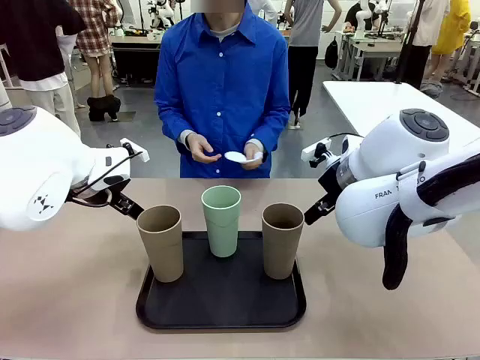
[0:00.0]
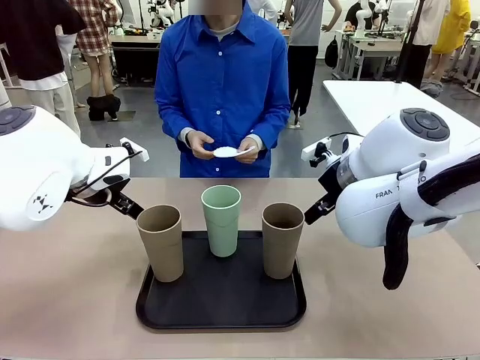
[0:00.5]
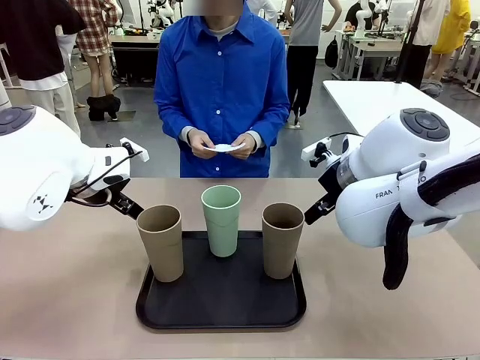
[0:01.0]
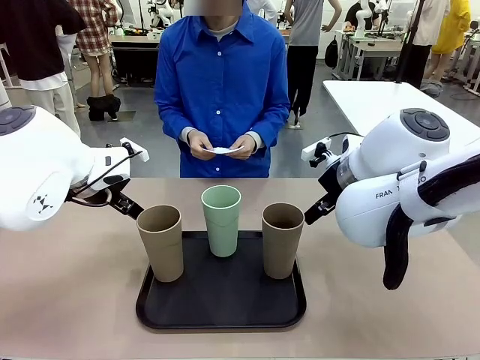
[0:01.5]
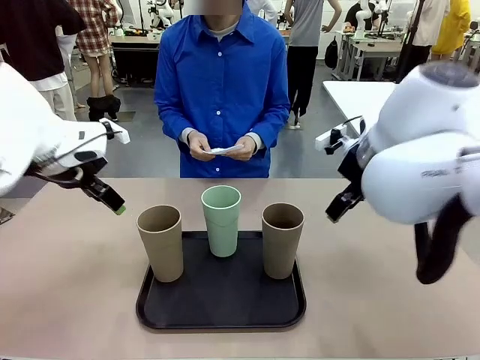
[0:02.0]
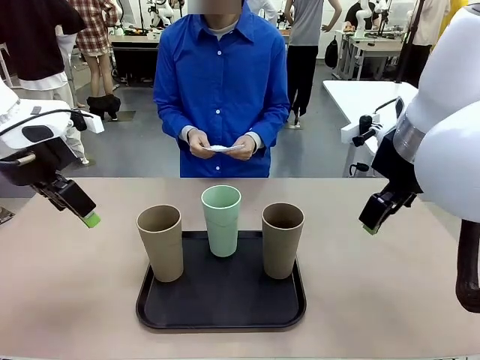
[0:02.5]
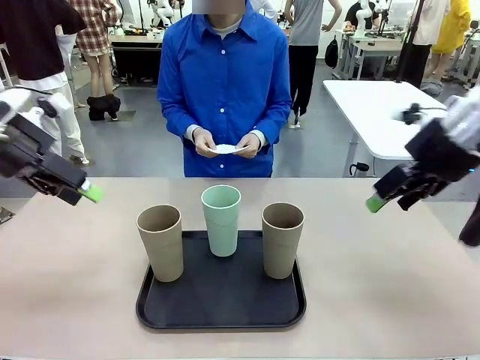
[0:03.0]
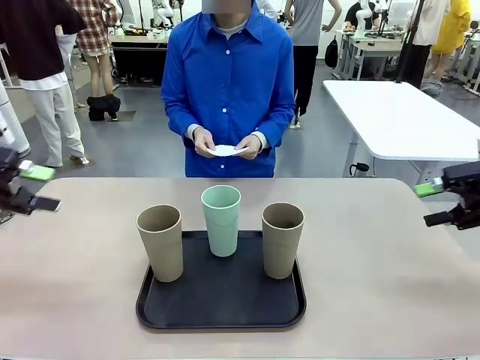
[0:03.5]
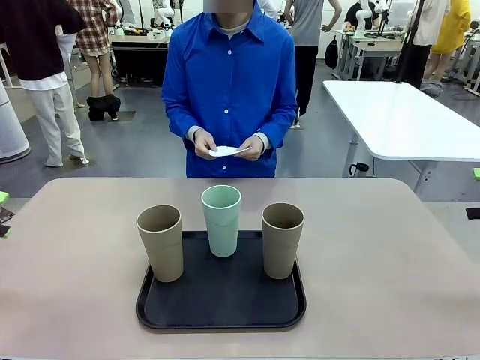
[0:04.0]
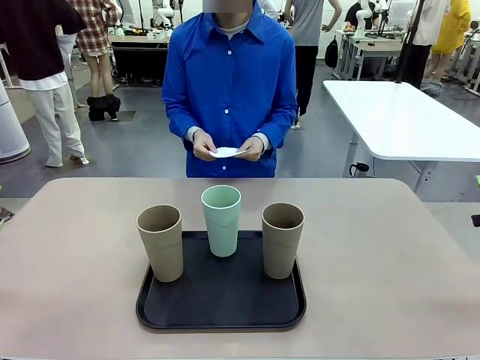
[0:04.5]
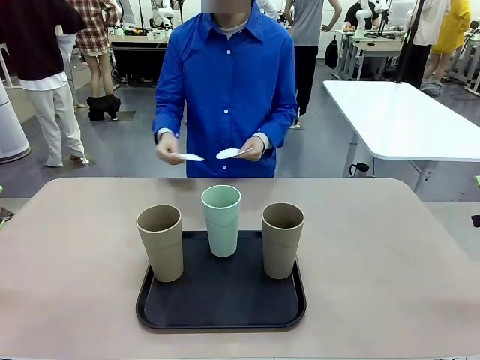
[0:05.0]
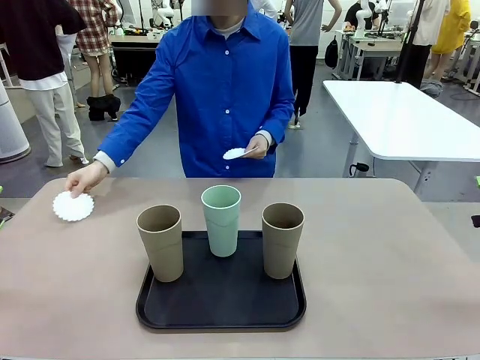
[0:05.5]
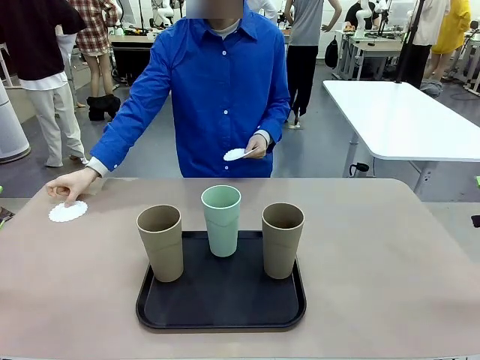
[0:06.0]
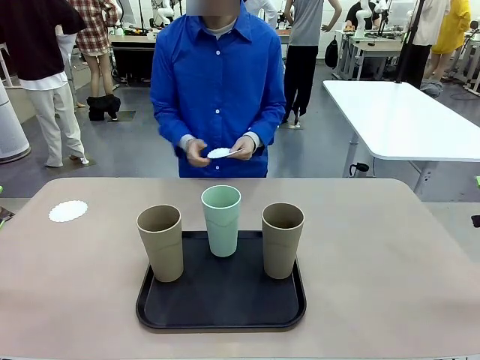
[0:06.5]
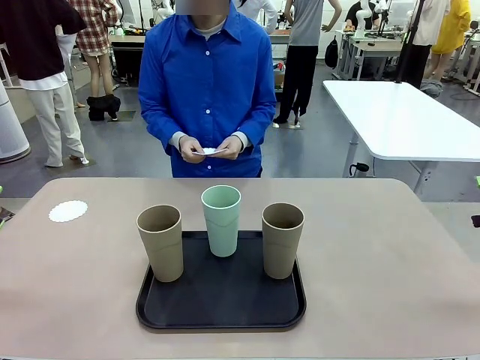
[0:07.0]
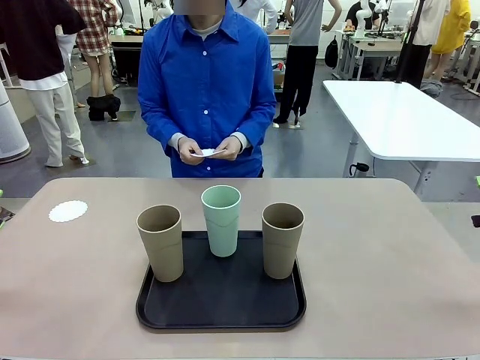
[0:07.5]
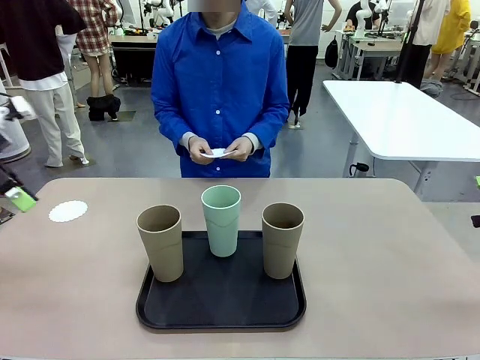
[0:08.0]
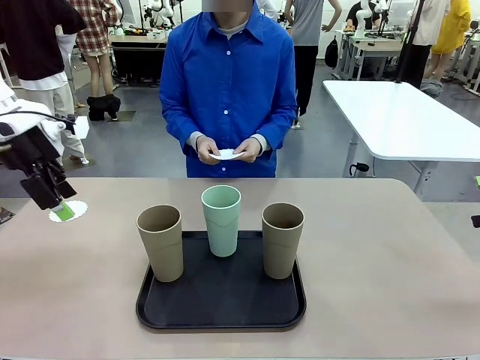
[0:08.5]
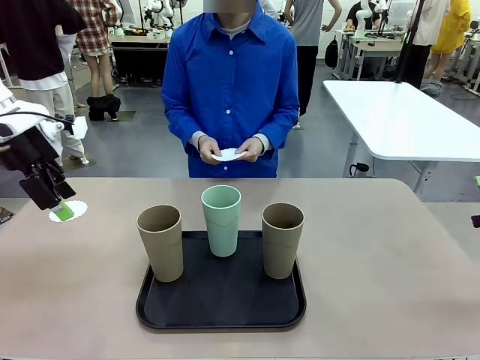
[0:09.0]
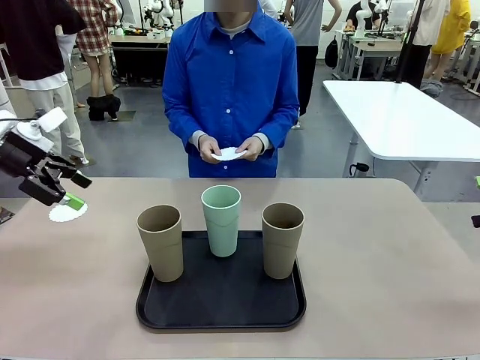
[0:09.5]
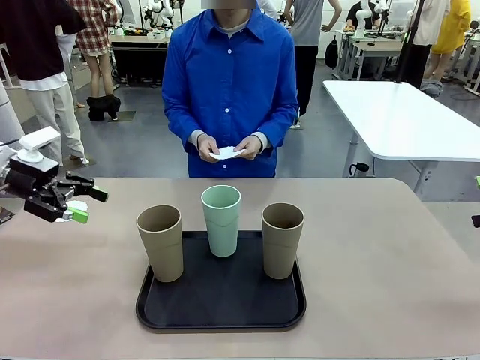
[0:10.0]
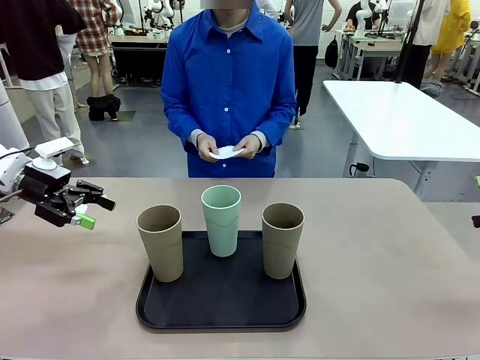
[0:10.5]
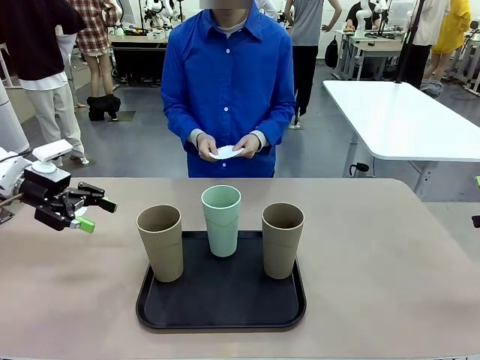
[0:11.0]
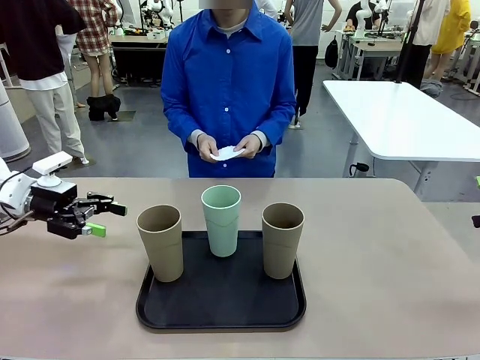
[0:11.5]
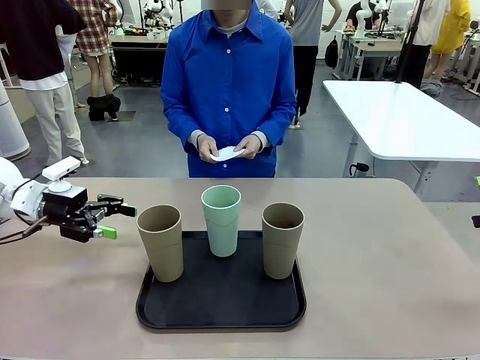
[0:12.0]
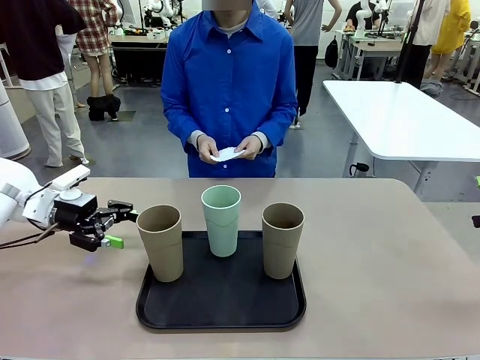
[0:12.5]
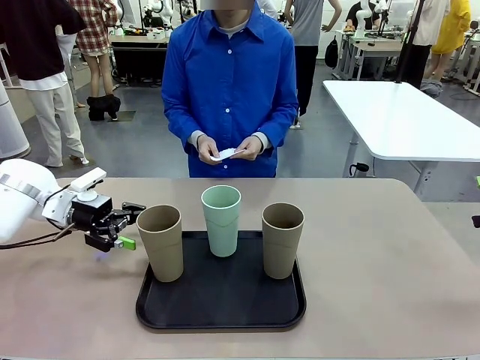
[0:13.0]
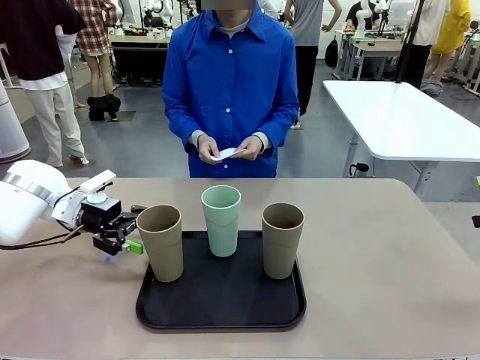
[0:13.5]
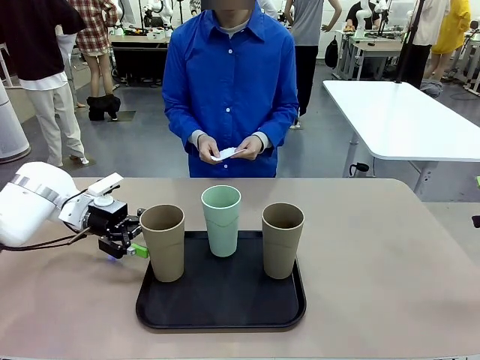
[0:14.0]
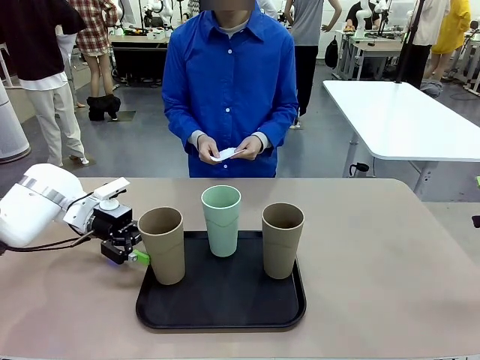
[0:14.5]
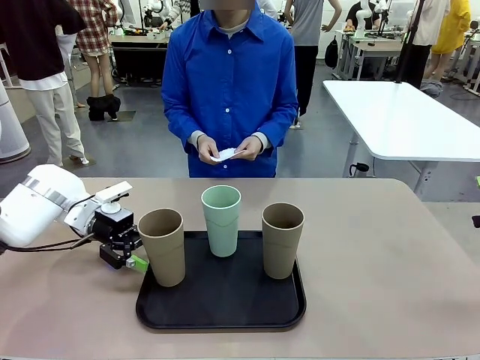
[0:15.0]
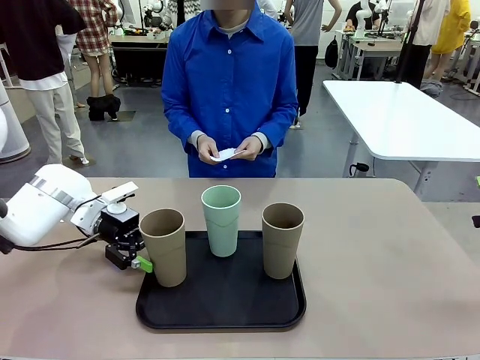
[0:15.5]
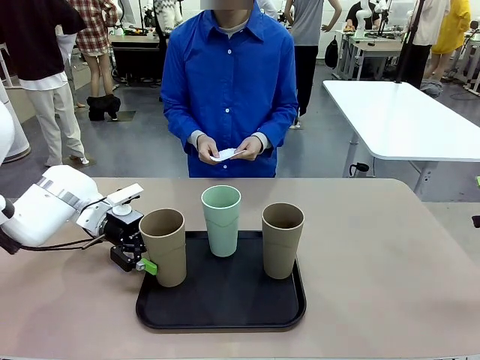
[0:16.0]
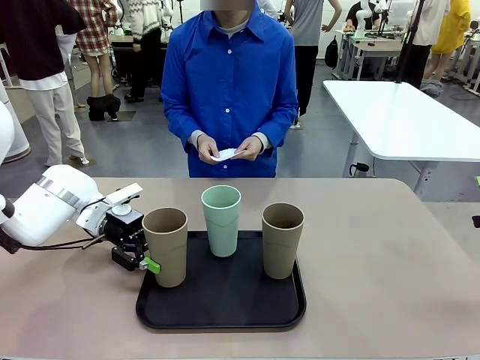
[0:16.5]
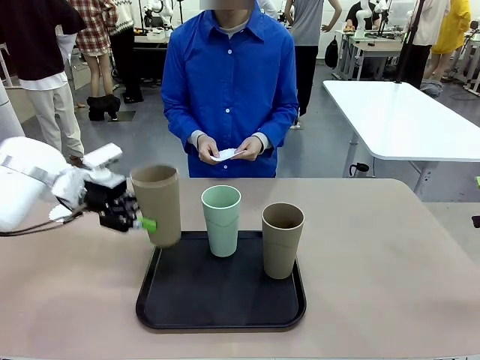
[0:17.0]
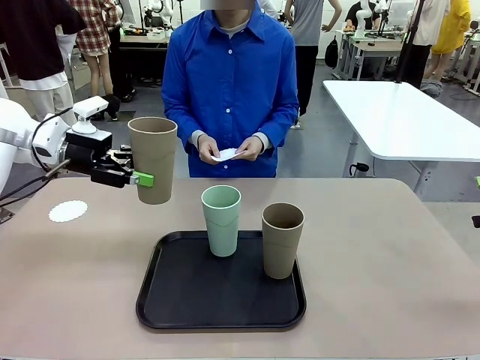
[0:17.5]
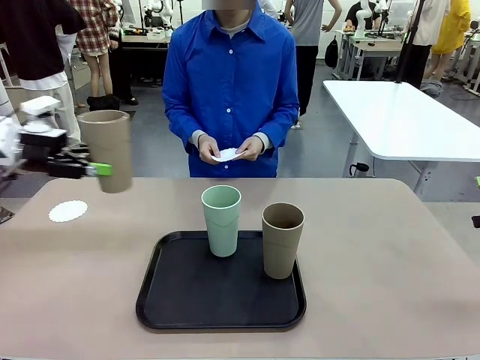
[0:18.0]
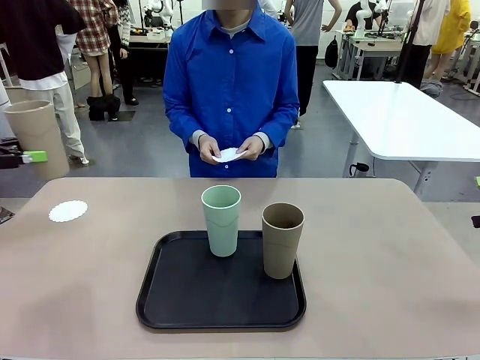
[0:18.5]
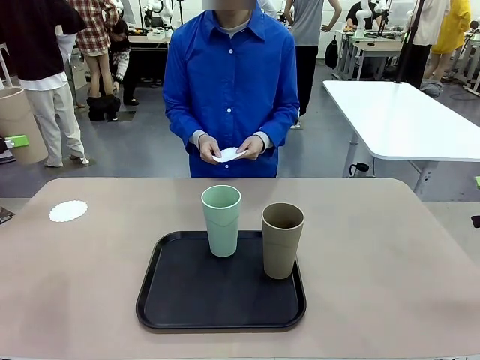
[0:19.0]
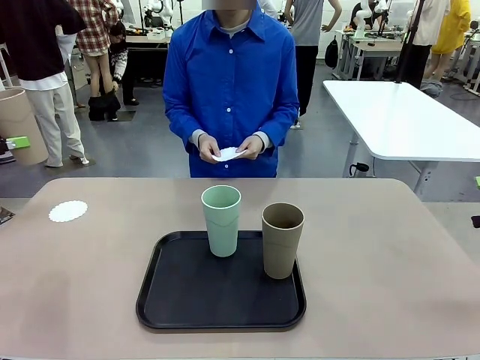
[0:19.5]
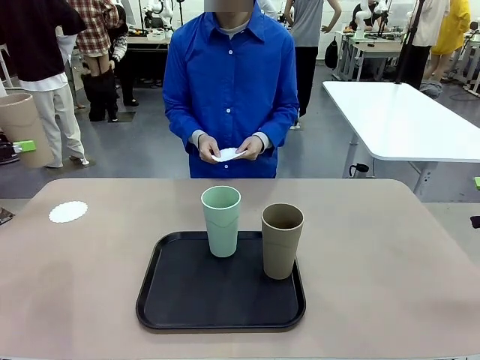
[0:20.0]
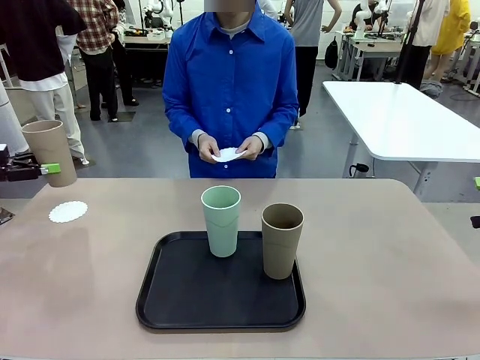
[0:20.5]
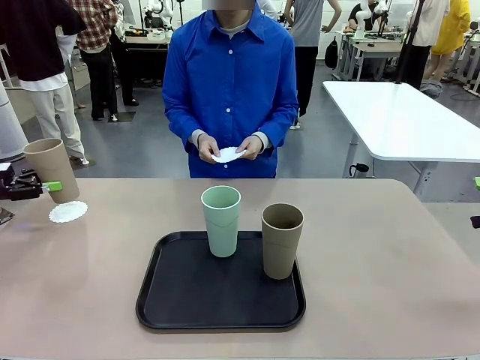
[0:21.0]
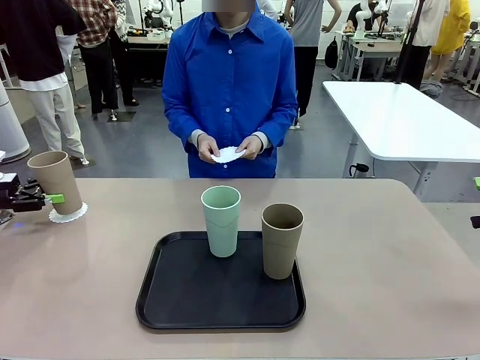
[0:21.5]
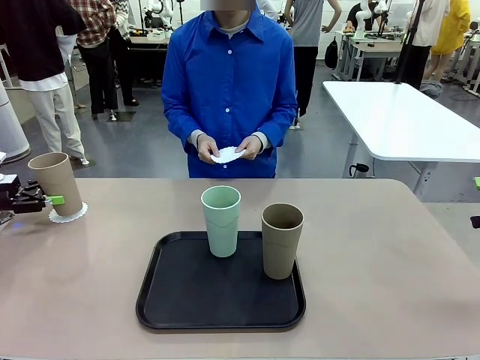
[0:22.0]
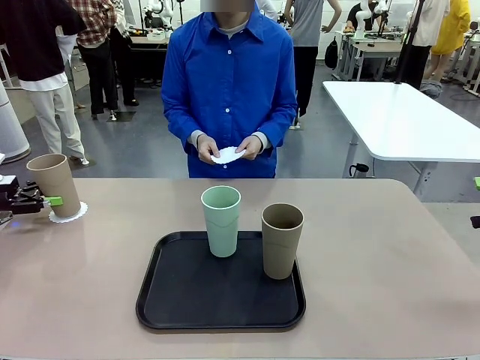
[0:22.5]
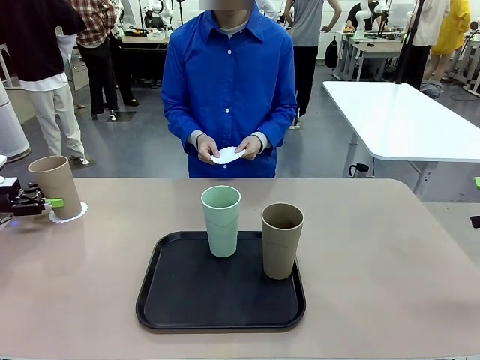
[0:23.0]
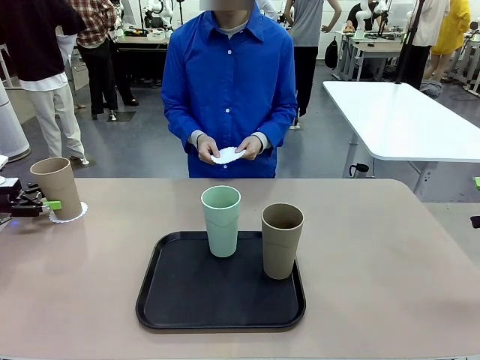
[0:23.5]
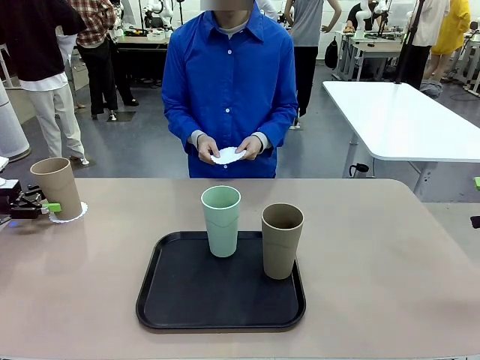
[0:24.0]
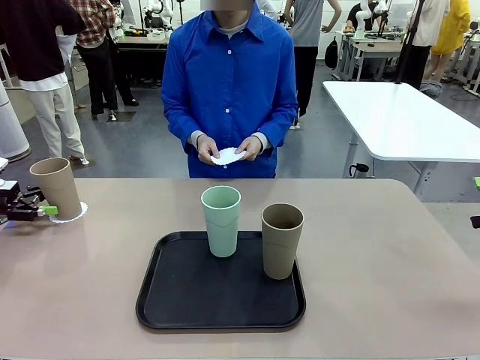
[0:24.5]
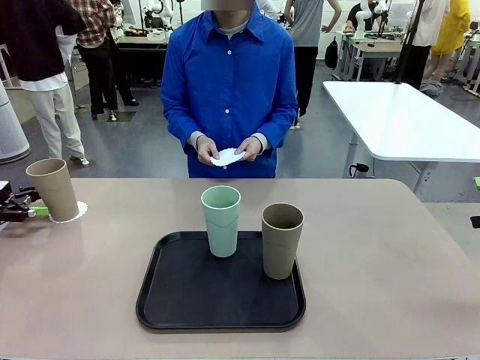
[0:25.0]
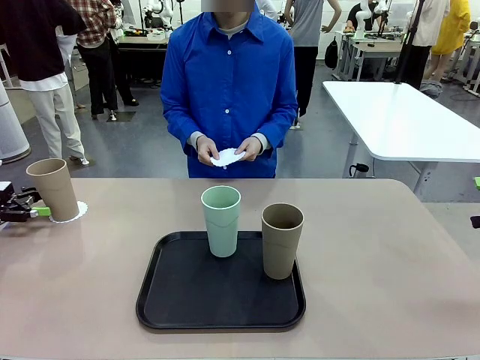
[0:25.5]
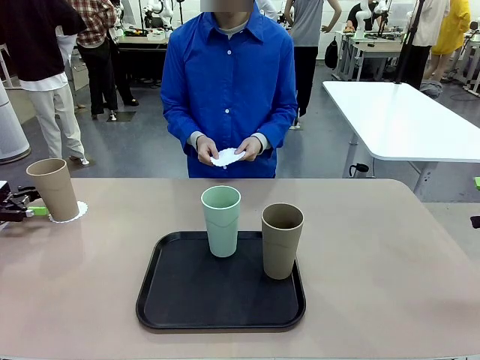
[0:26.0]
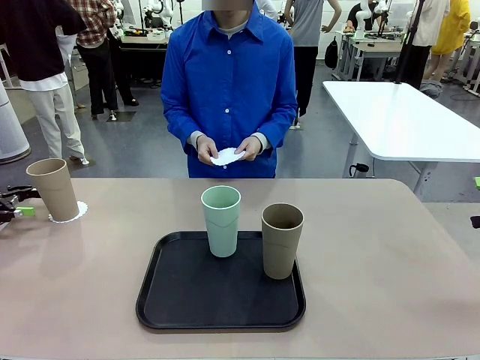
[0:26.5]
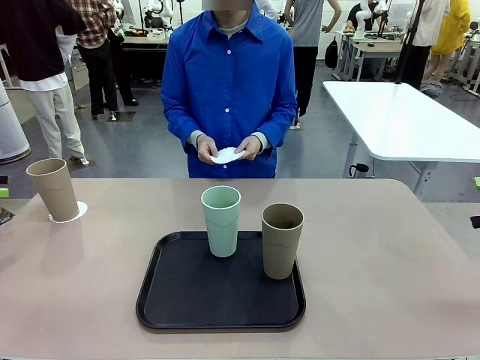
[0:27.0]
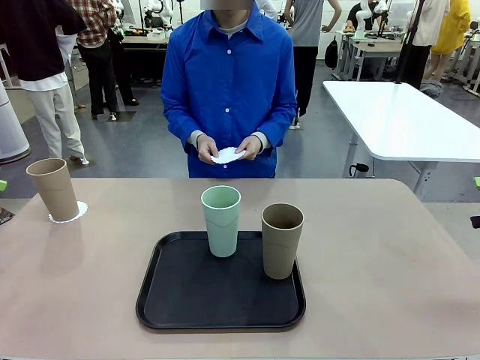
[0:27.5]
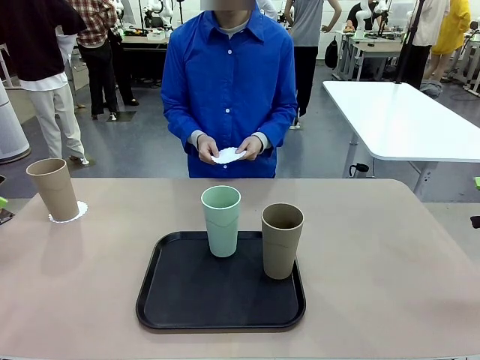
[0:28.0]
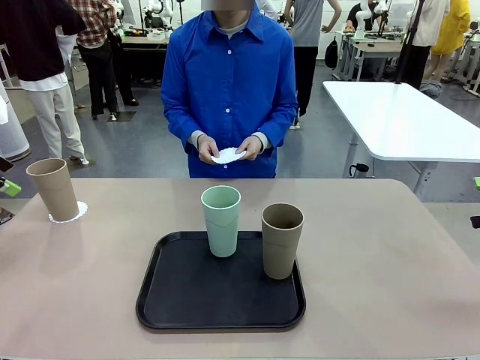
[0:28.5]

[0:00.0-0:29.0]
Task: Place coasters on the table and set cups on them.
Robot: Pick up one Reusable plastic cup and place it on a coaster set by the human.
Person: Place one coaster in any one of the three lower areas of the robot table (left, center, or right). Place one coaster in one of the two areas excluding the previously selected area.
